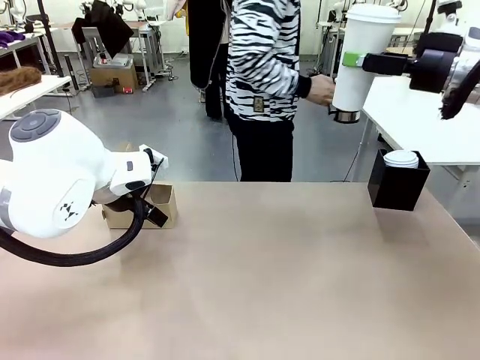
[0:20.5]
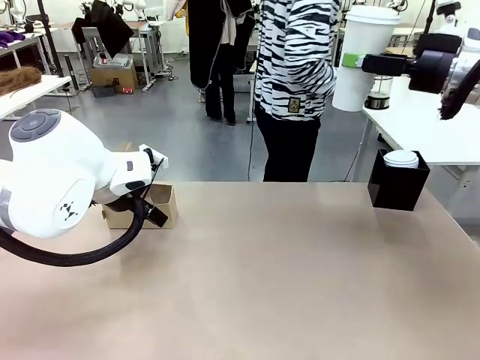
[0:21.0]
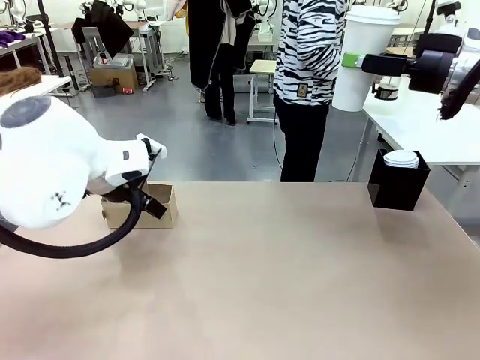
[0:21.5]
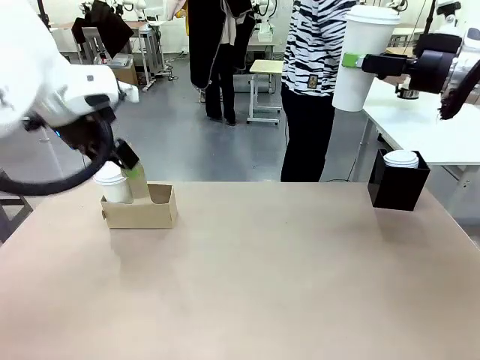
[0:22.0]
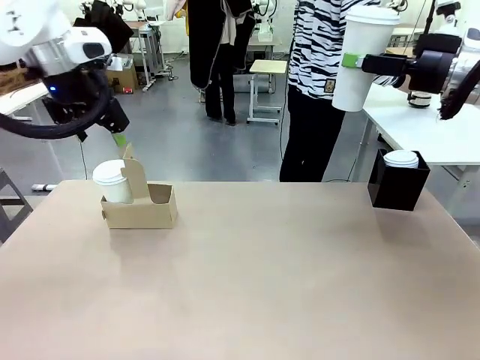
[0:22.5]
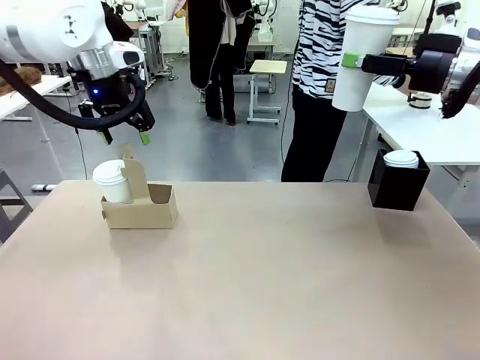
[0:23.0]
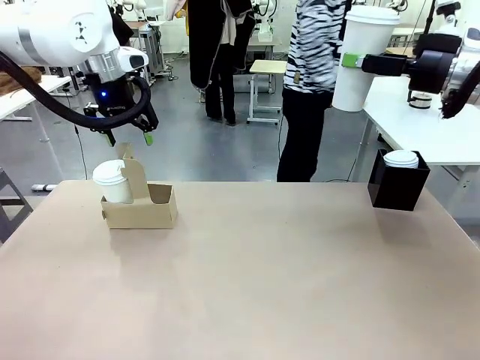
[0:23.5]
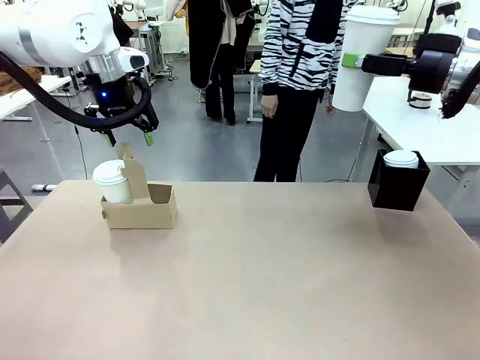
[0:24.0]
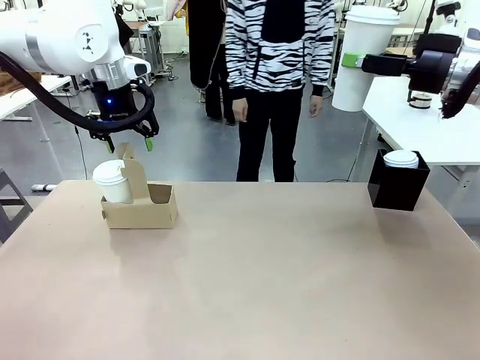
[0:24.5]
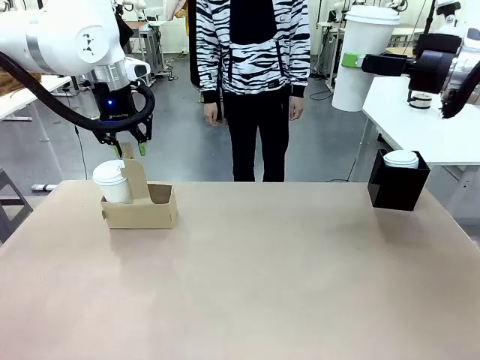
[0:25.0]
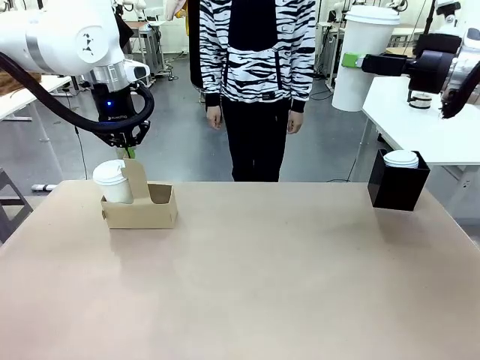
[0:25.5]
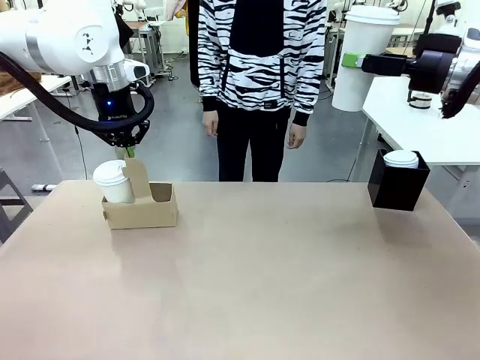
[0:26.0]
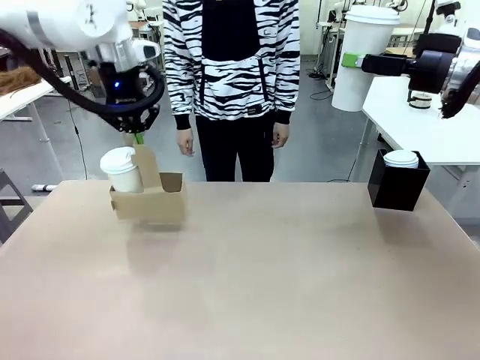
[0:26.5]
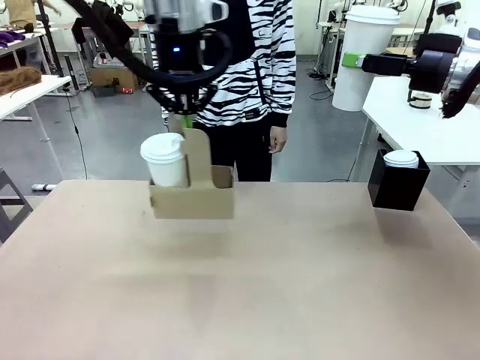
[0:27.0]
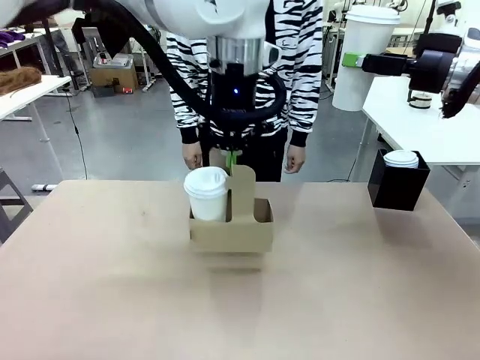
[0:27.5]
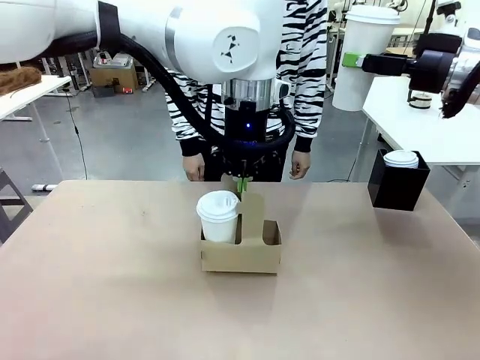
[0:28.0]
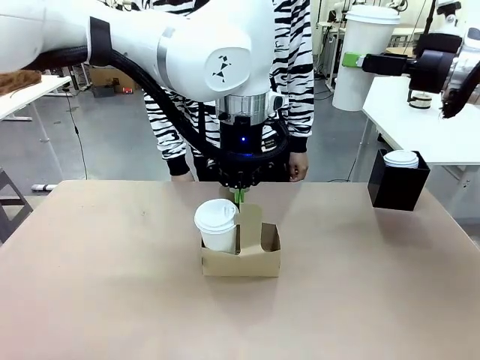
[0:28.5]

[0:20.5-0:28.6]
Task: Pour a drink into a cup and package it in a carrier.
Robot: Position the Cup Carrier in the center of the table.
Person: Pick up the Filter Brewing and place on the middle of Human table, and return to the Robot table.

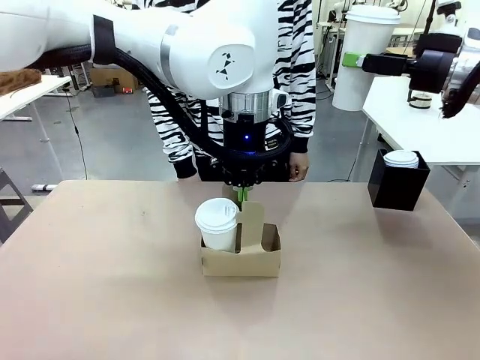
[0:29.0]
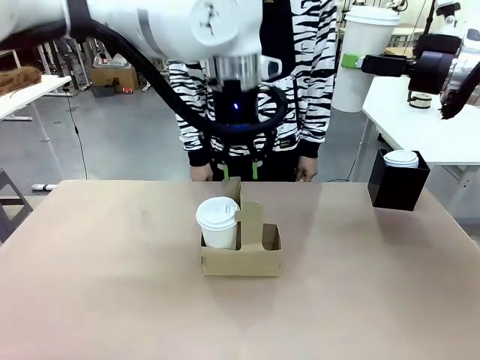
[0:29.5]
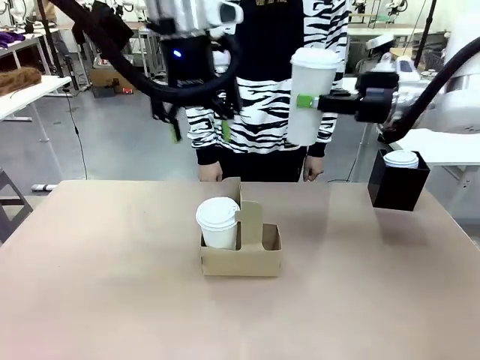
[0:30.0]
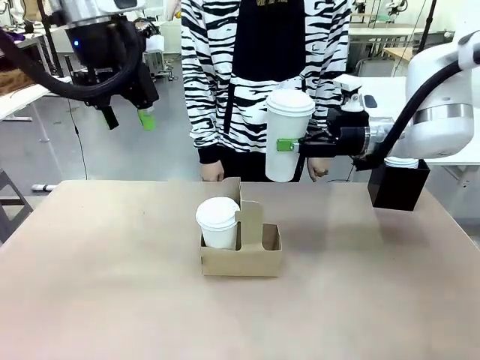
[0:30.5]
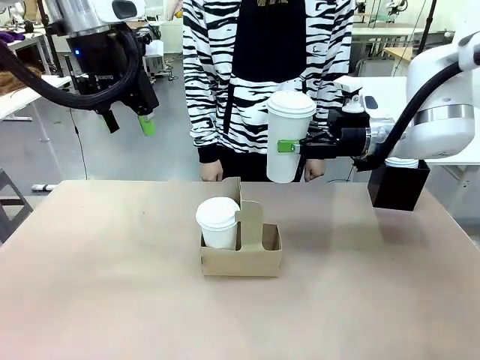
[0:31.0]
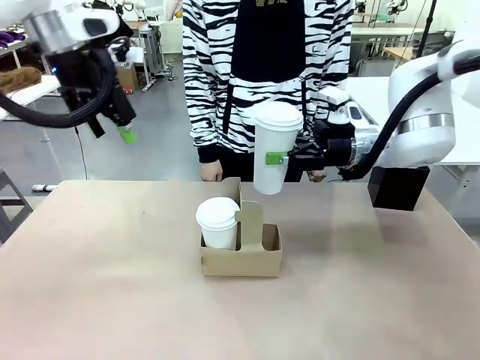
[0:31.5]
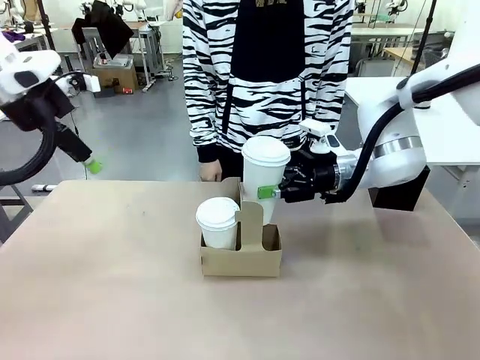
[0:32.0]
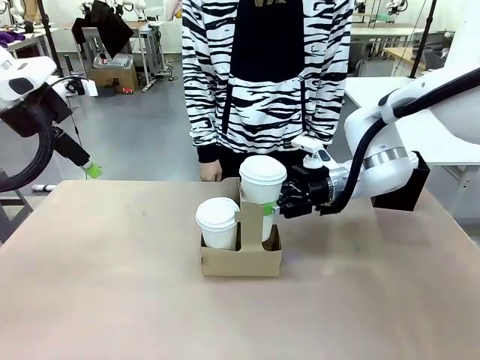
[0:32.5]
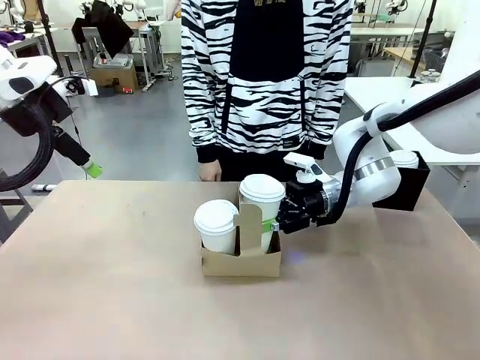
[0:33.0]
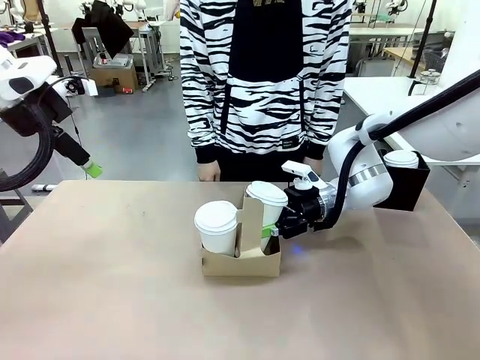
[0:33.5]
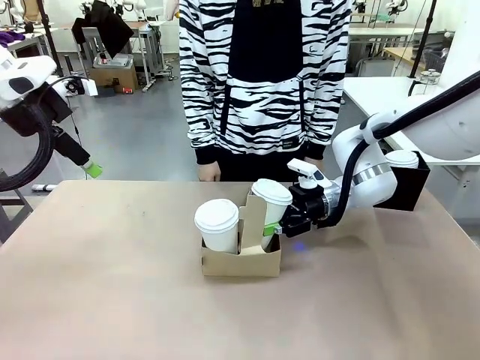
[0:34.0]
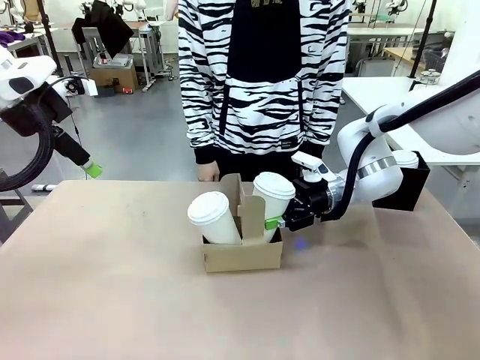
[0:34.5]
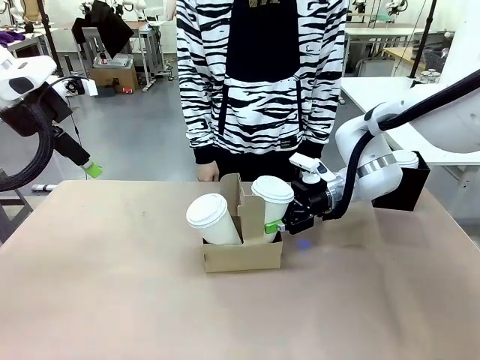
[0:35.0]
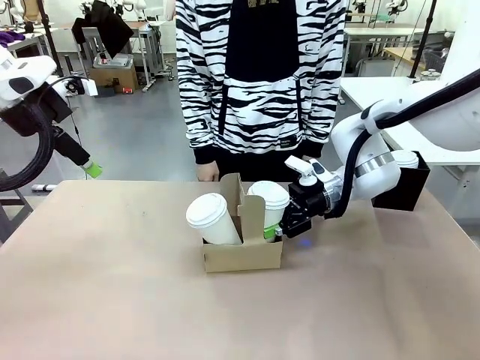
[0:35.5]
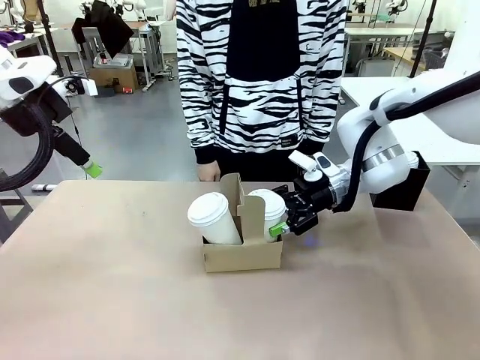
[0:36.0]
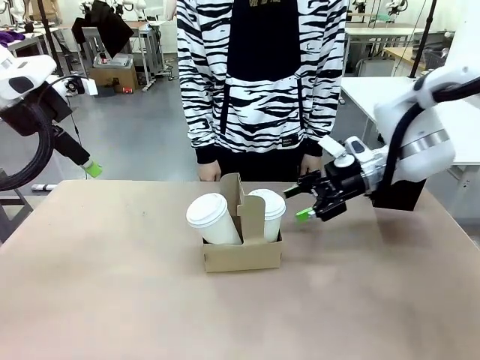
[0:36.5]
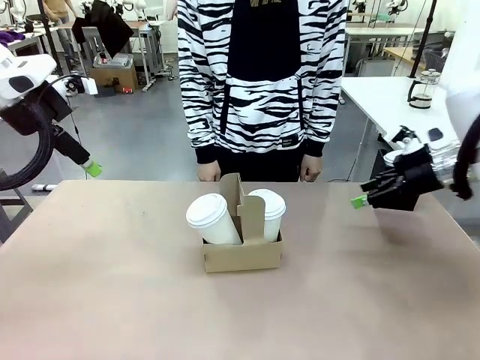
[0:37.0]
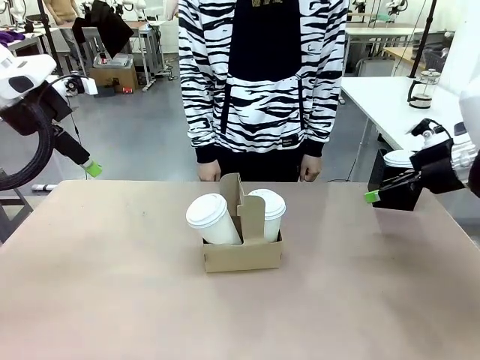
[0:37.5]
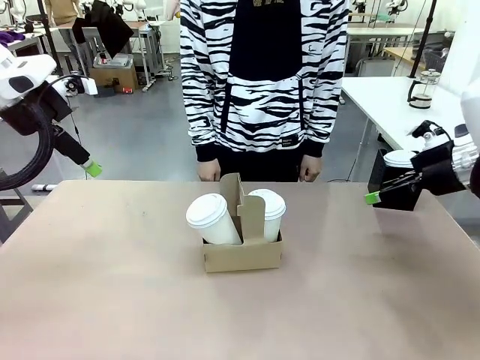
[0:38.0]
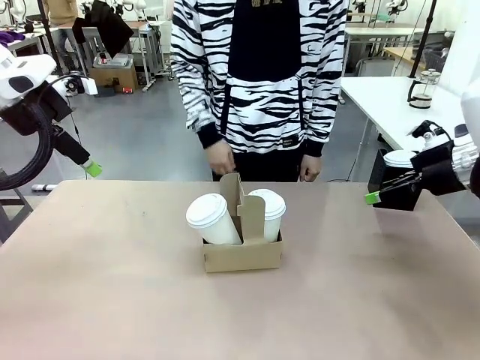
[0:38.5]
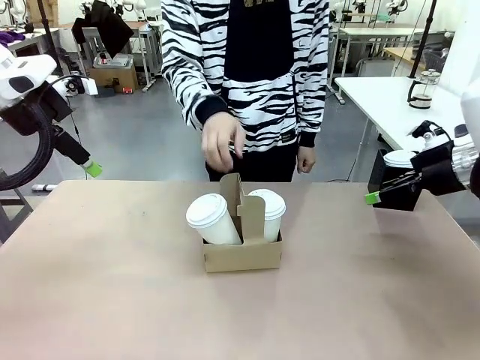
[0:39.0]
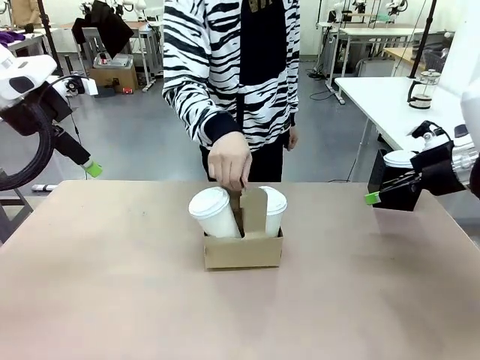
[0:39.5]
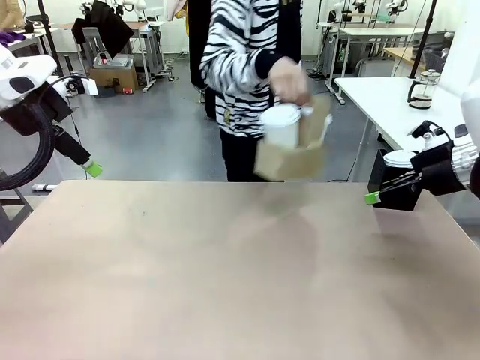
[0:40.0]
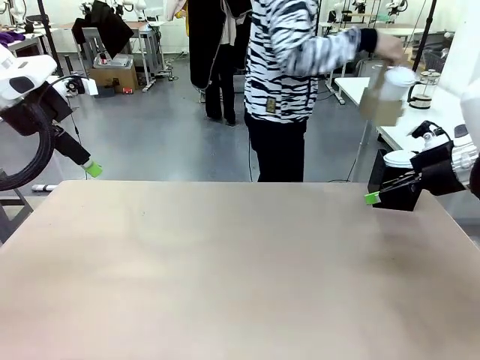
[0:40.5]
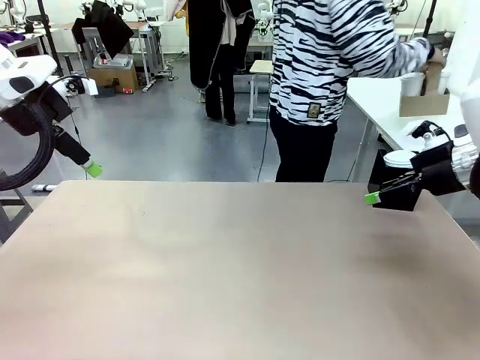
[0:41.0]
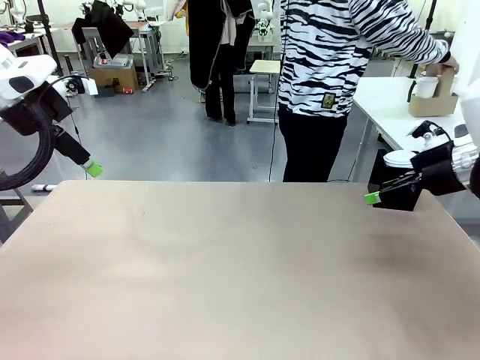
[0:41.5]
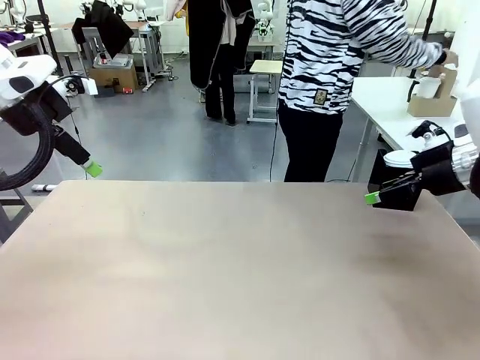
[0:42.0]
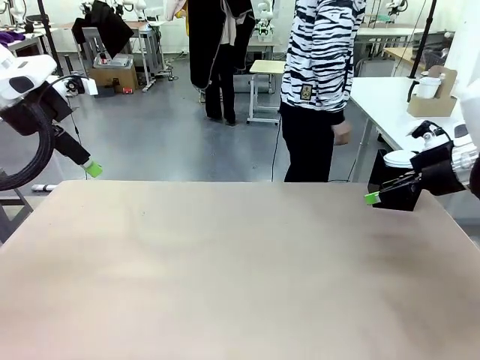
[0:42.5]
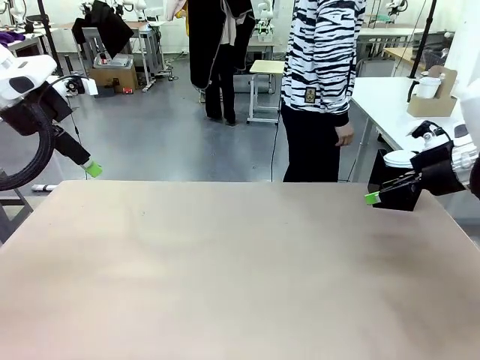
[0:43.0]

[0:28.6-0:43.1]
Robot: Insert the held 600 ml Paper Cup into the Cup Carrier.
Person: Place the Cup Carrier to the middle of Human table.

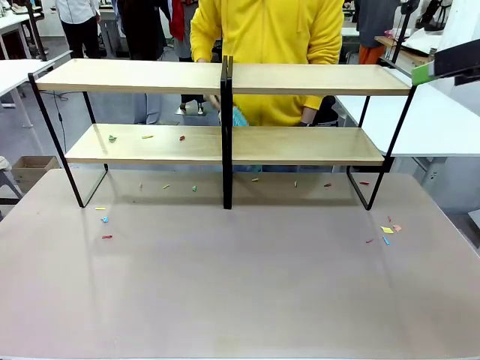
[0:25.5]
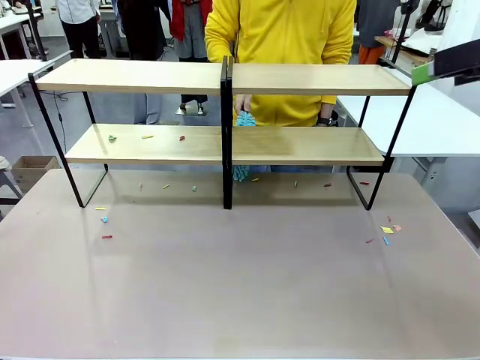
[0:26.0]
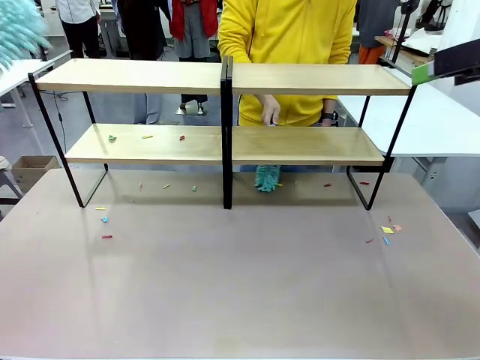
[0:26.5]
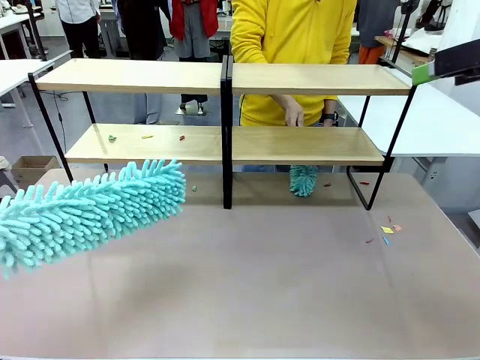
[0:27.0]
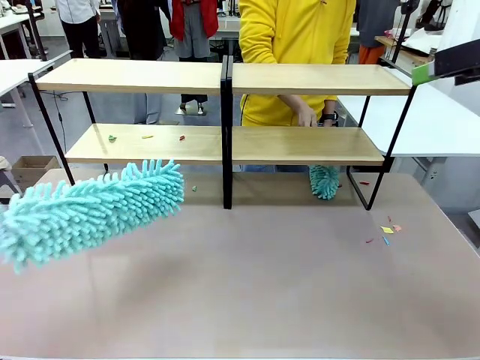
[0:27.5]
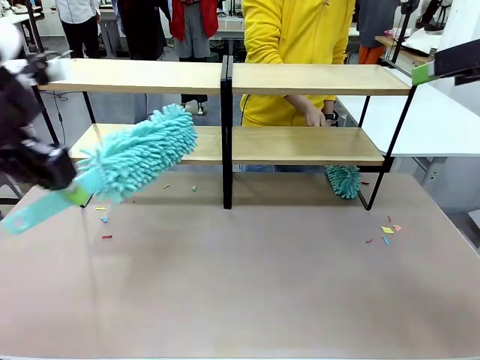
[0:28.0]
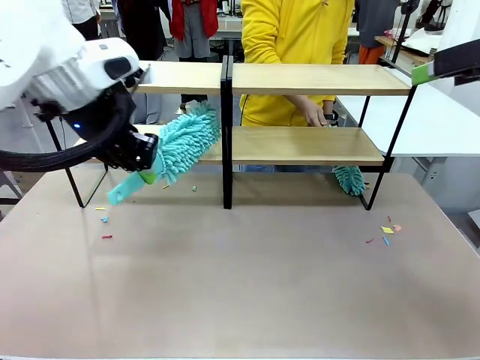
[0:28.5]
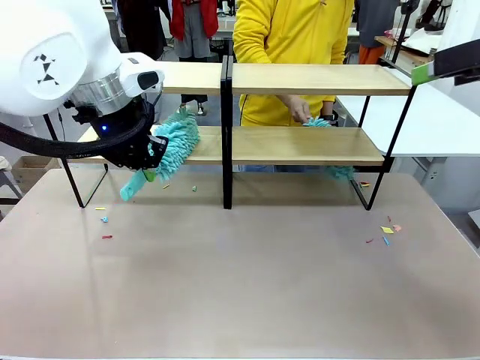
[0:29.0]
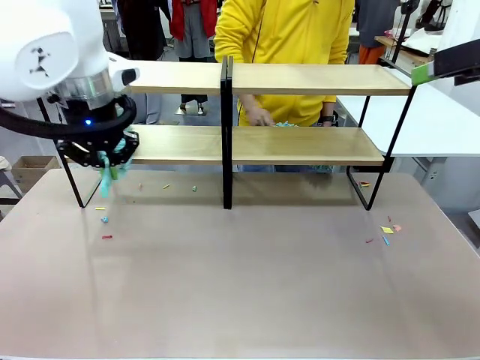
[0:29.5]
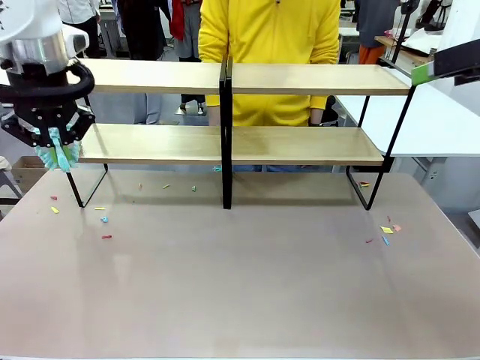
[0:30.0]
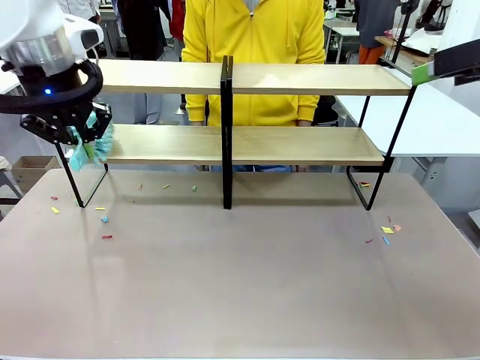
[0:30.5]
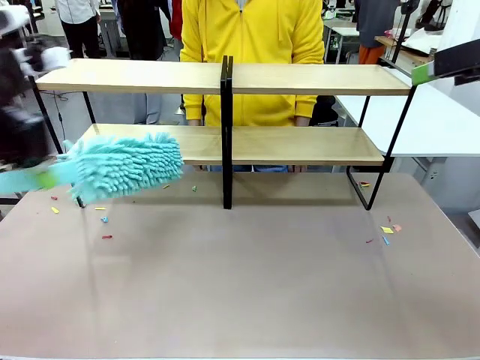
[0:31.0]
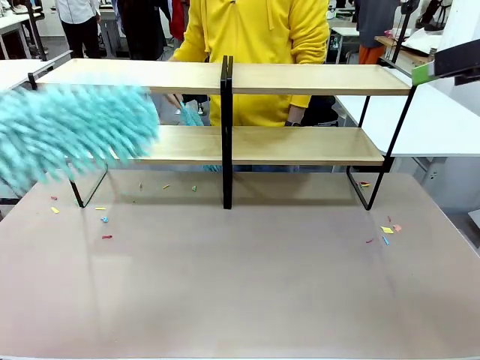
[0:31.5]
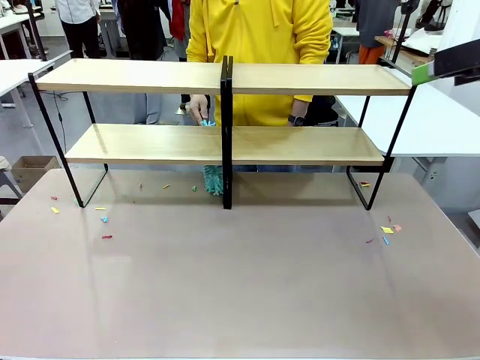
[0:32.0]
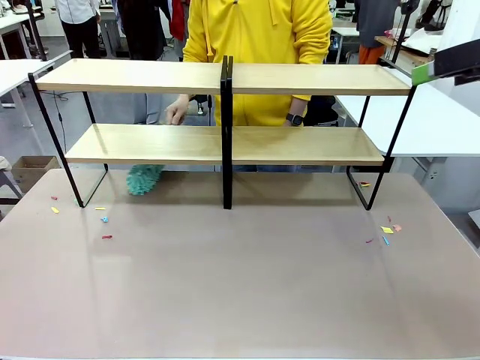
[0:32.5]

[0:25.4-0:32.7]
Task: Clean the shelves.
Robot: Clean another randomly selected level of the Shelf with the Duster.
